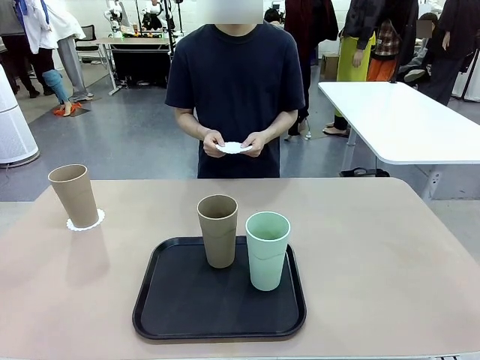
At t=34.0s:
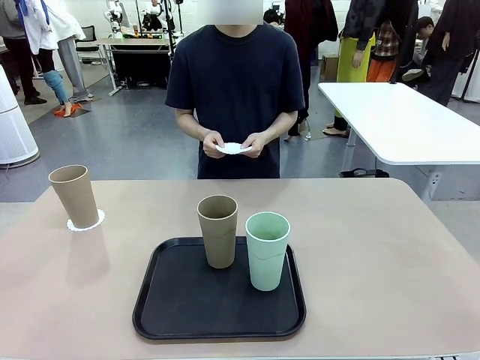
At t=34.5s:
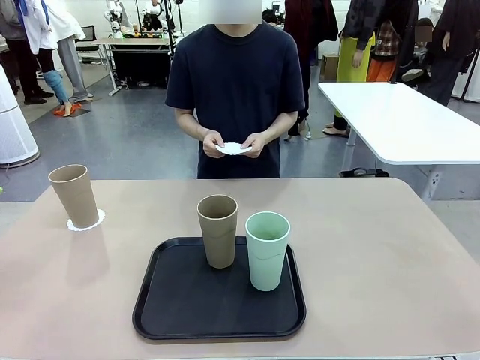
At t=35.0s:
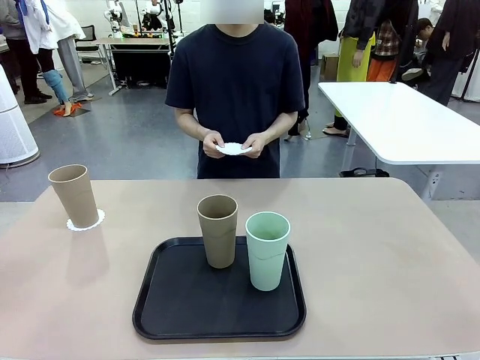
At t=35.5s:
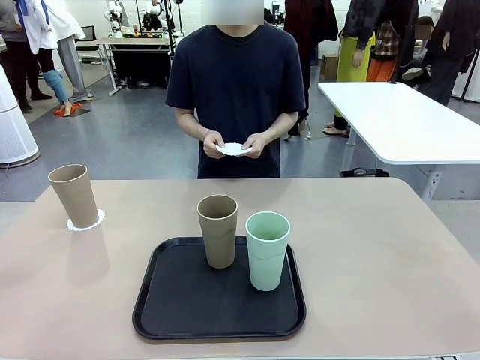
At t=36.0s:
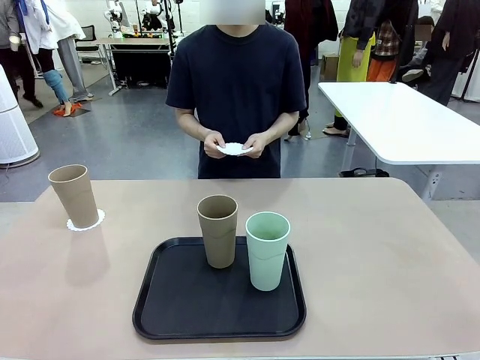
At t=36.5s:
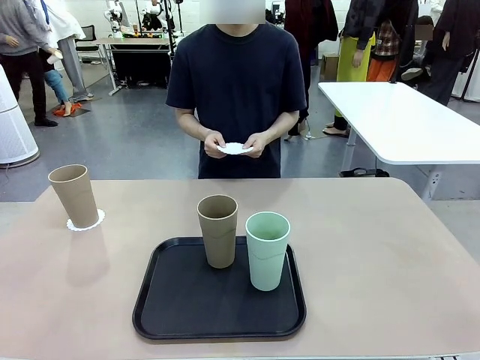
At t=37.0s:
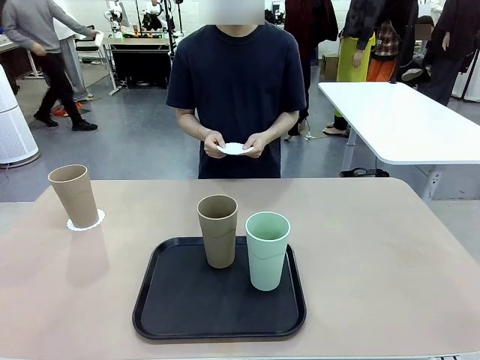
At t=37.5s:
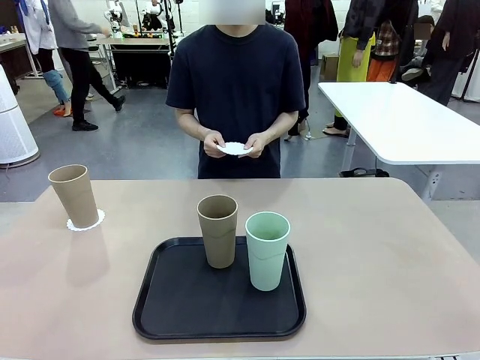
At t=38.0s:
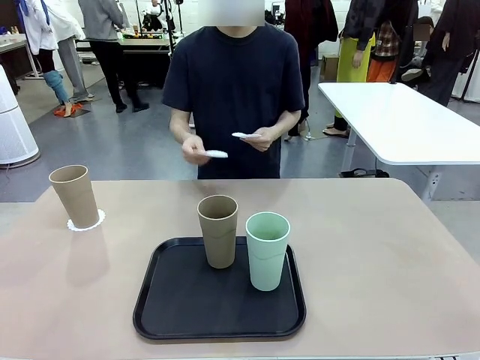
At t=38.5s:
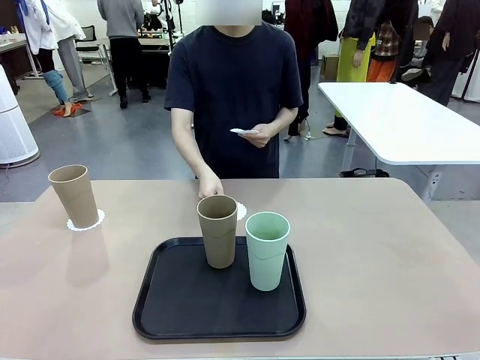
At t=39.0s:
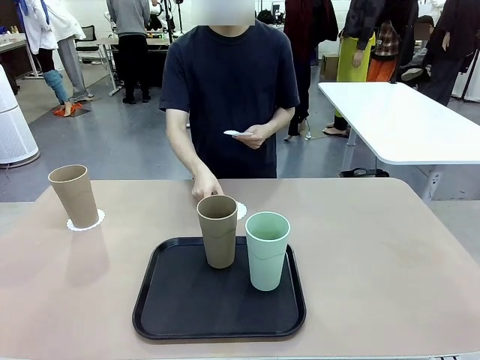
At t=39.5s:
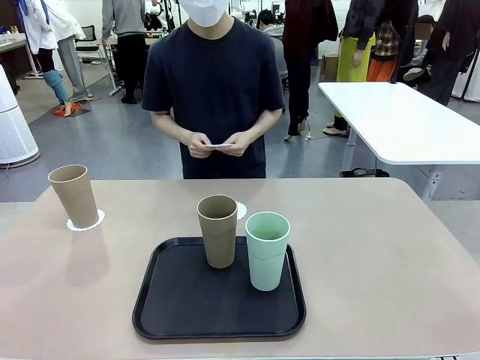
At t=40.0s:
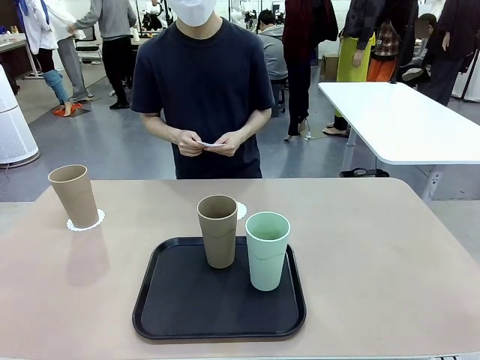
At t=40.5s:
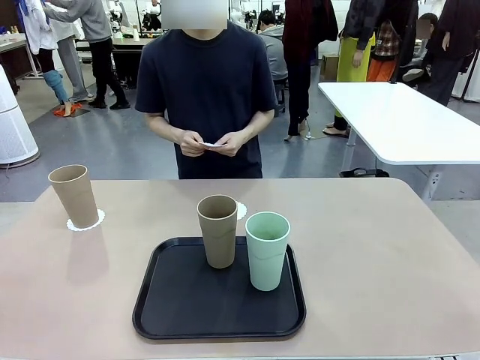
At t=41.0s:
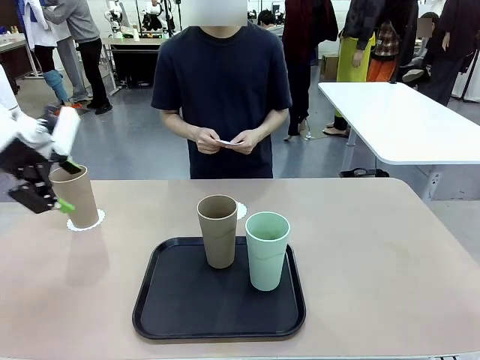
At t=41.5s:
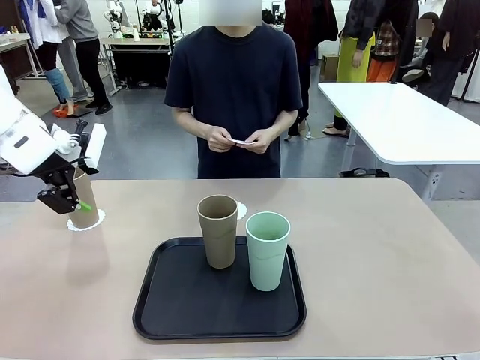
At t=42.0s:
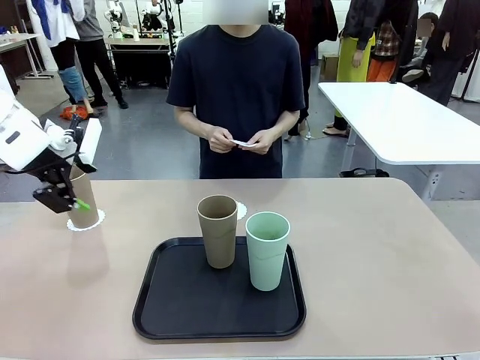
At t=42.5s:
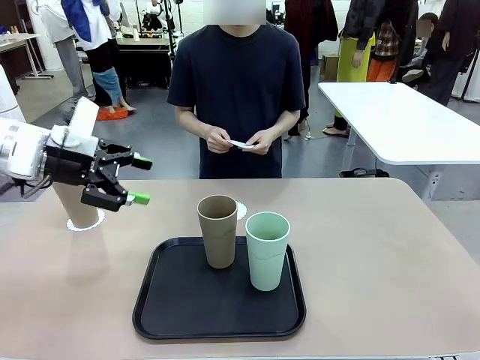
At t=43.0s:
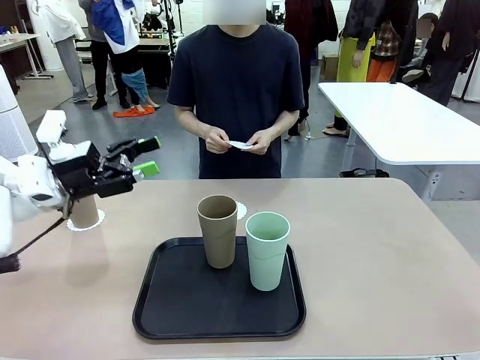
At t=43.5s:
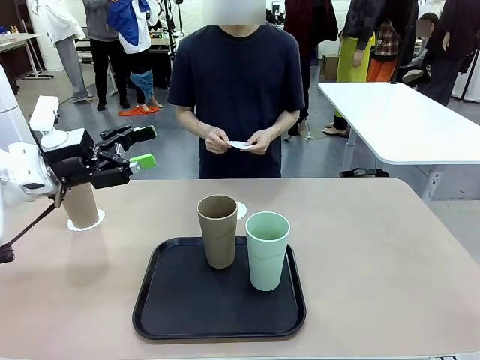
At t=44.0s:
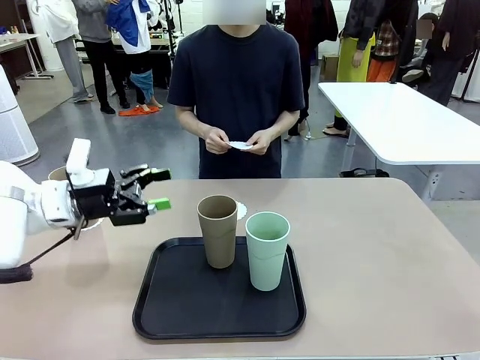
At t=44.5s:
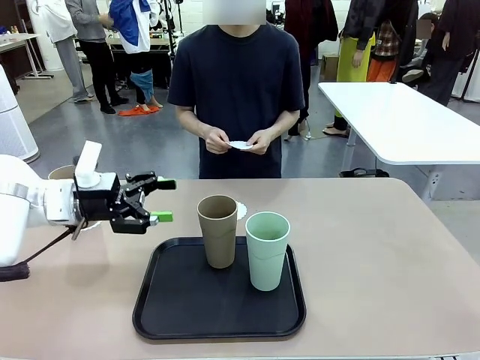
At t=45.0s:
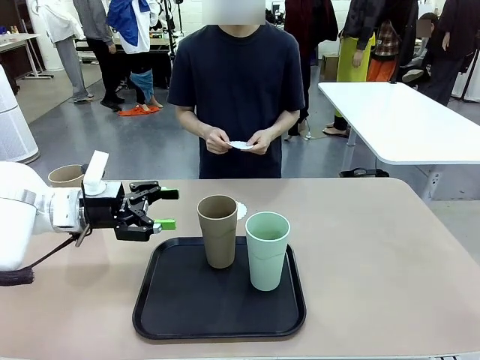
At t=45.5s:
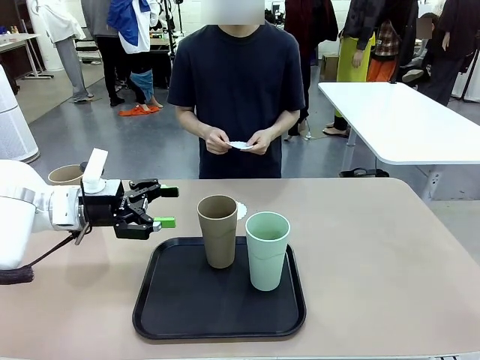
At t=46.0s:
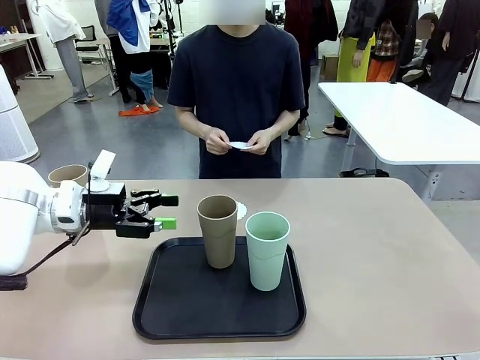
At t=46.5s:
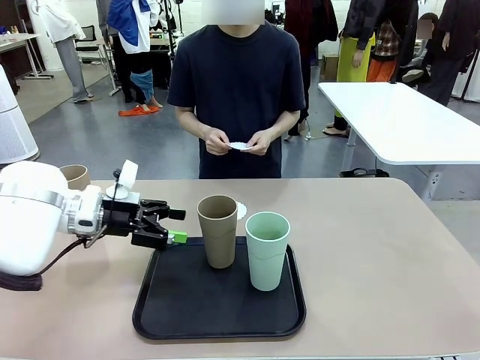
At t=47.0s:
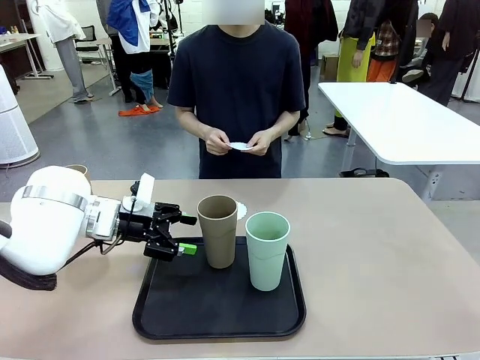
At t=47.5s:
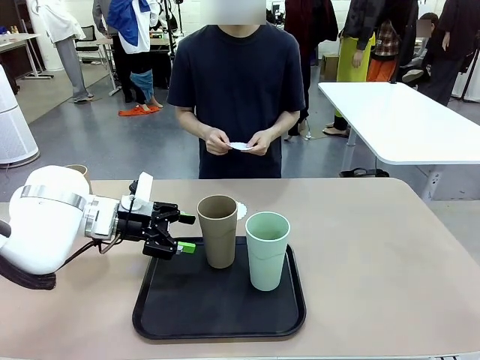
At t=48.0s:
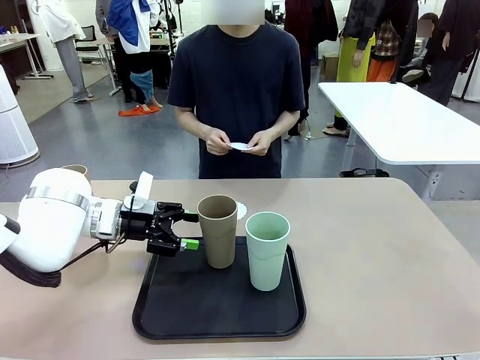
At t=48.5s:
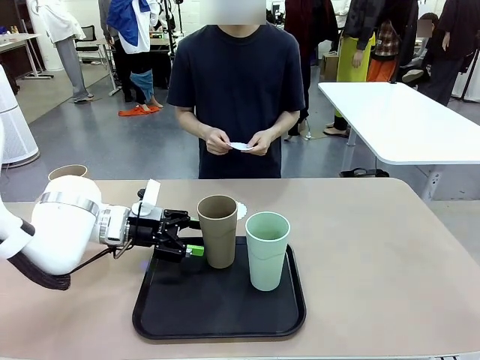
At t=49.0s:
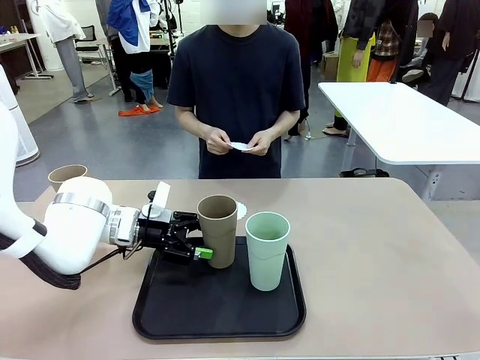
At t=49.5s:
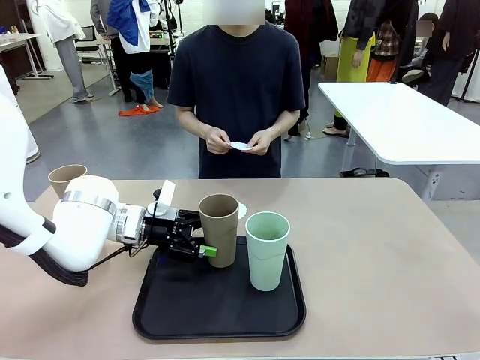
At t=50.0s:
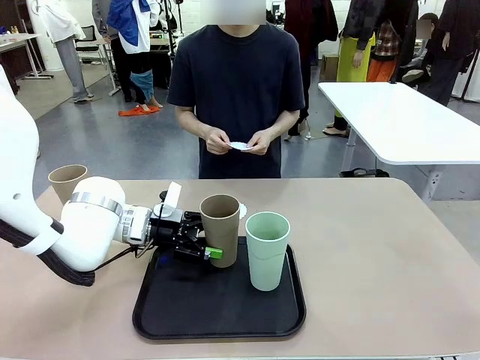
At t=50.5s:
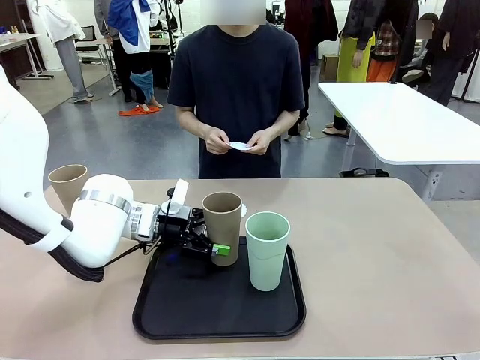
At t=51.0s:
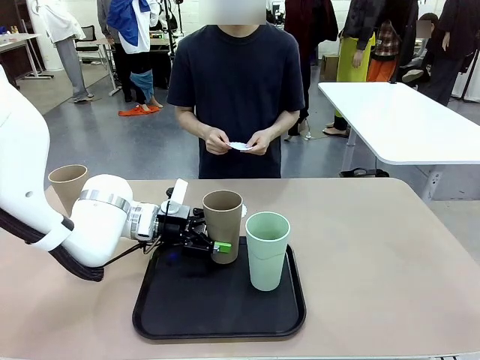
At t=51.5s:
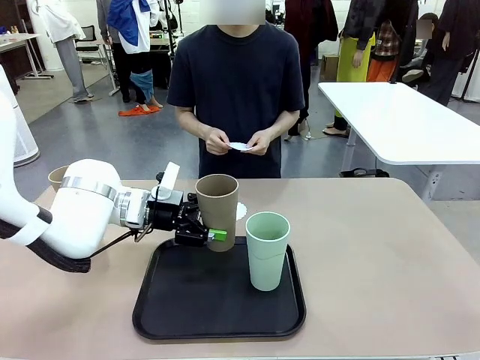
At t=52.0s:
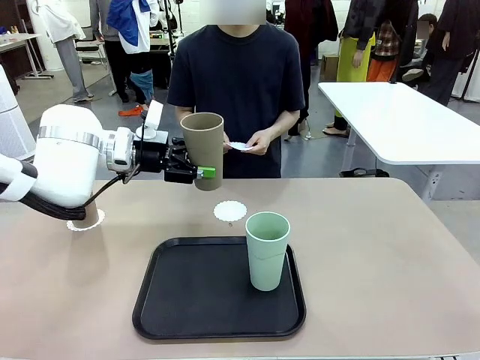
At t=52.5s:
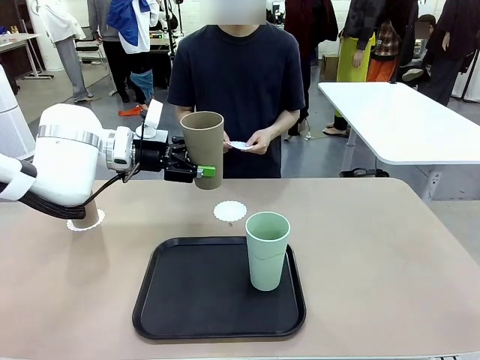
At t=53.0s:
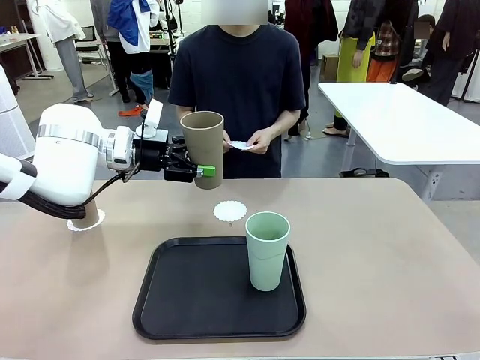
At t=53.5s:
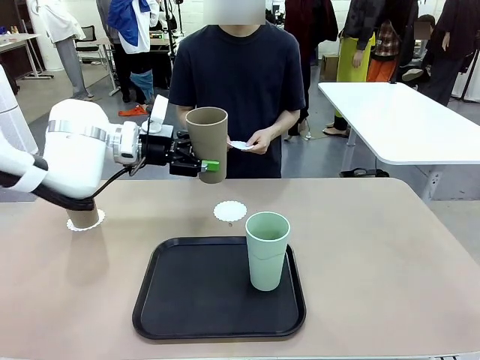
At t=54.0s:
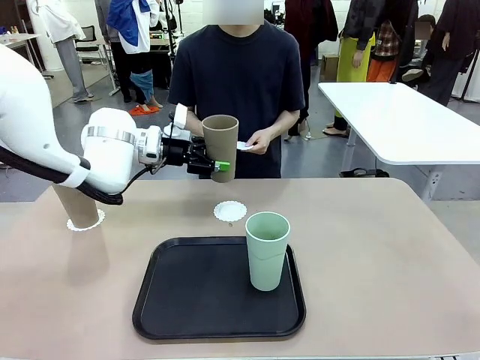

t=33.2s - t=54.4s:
Task: Place coasters on the table and set cups on them.
Robot: Take one Reusable plastic cup from the Flat Tray and place it on a coaster set by the human.
